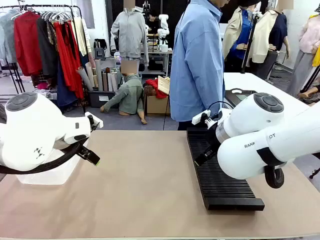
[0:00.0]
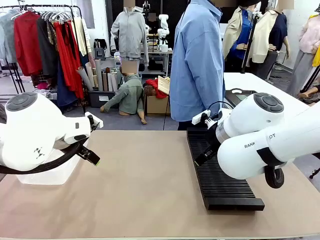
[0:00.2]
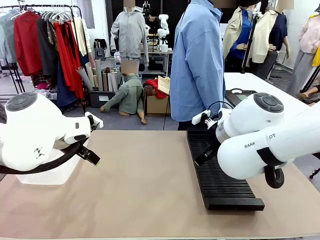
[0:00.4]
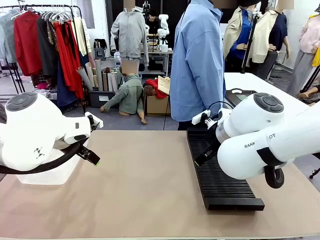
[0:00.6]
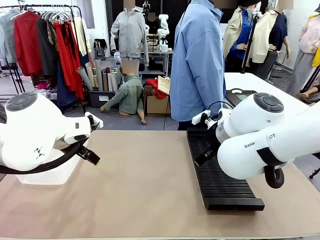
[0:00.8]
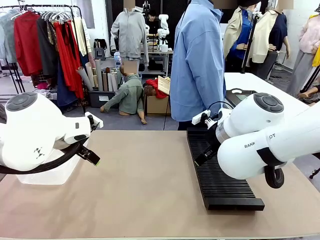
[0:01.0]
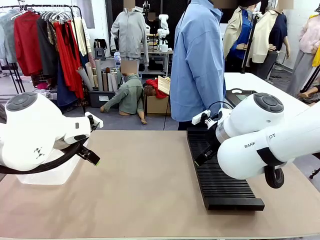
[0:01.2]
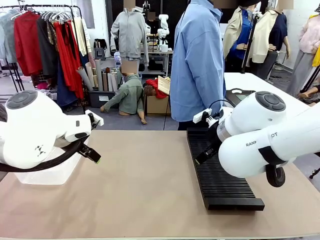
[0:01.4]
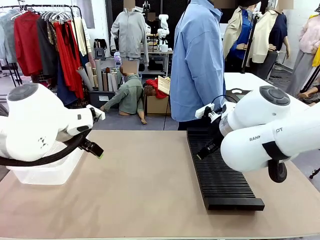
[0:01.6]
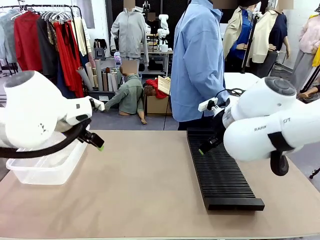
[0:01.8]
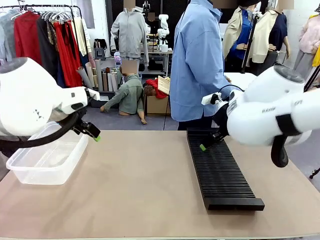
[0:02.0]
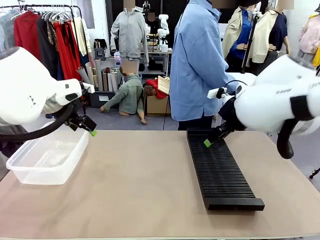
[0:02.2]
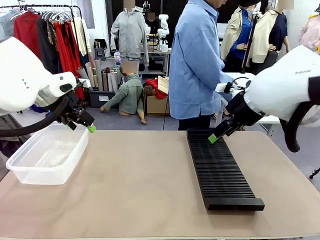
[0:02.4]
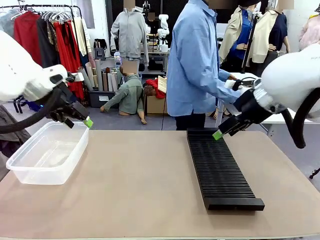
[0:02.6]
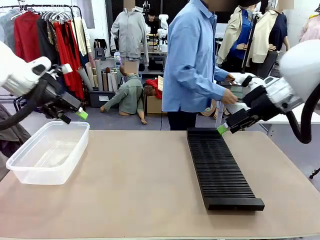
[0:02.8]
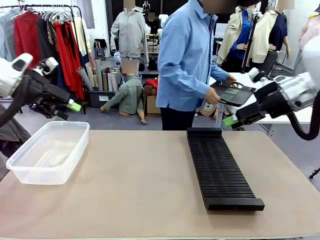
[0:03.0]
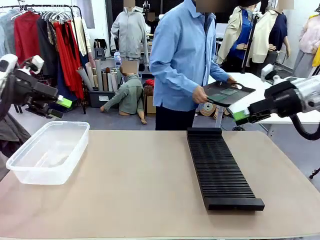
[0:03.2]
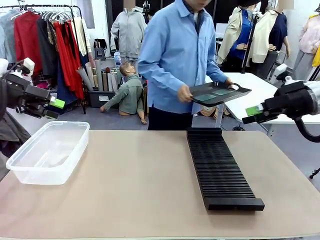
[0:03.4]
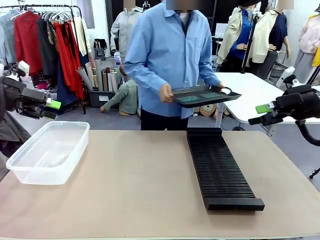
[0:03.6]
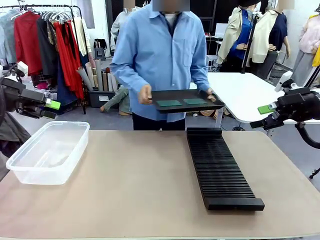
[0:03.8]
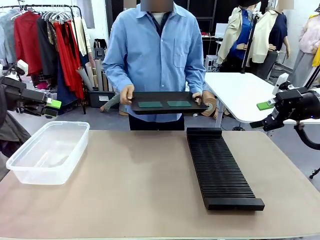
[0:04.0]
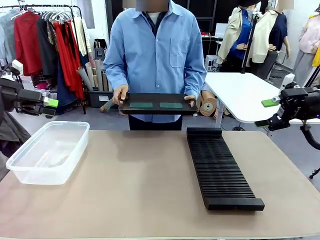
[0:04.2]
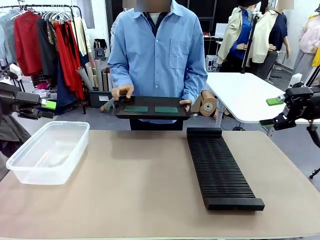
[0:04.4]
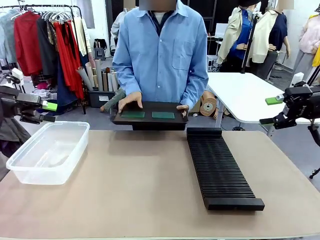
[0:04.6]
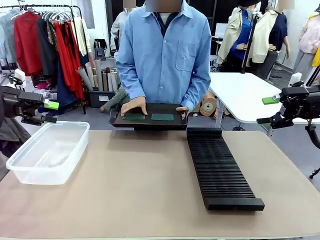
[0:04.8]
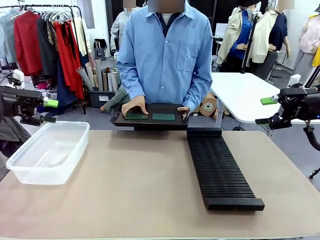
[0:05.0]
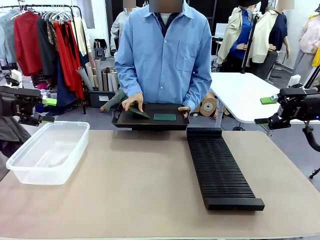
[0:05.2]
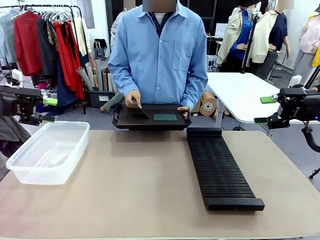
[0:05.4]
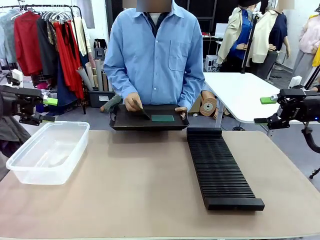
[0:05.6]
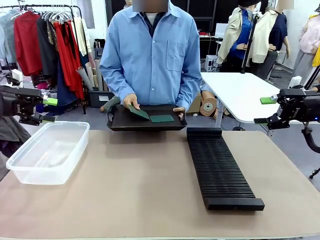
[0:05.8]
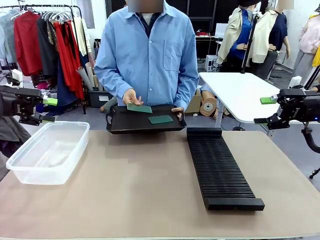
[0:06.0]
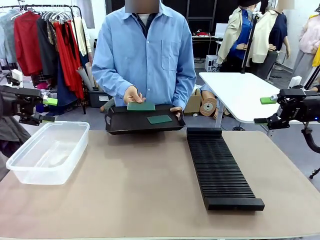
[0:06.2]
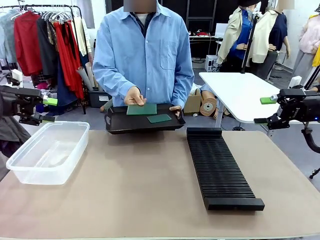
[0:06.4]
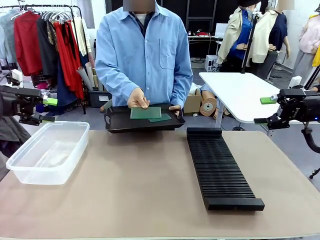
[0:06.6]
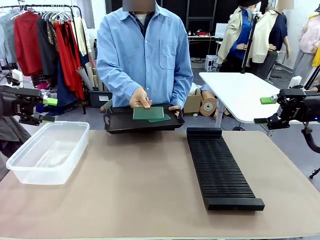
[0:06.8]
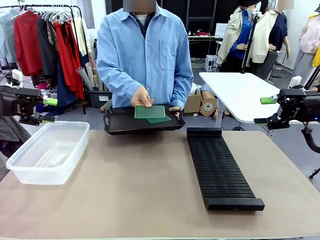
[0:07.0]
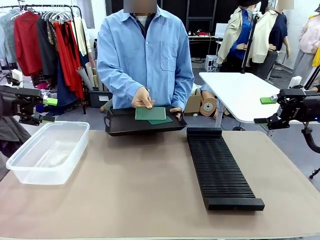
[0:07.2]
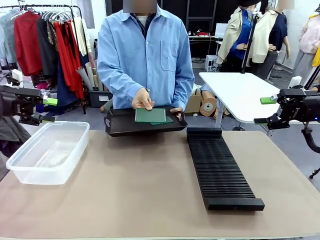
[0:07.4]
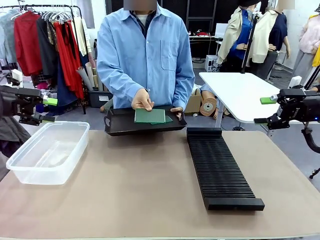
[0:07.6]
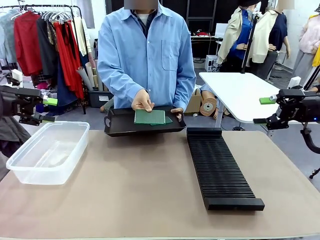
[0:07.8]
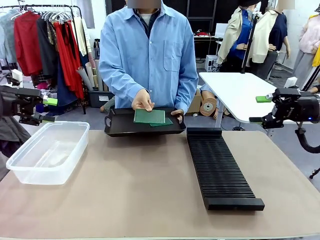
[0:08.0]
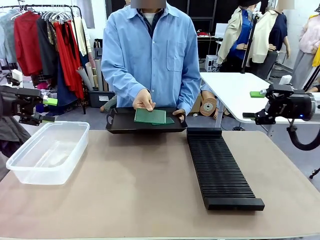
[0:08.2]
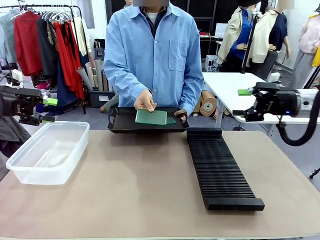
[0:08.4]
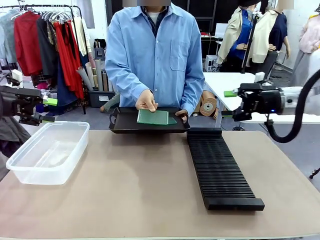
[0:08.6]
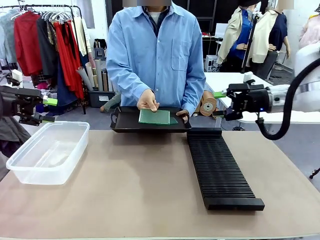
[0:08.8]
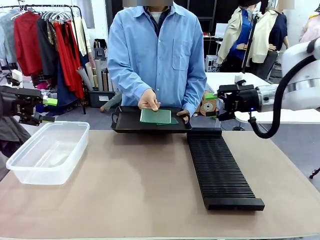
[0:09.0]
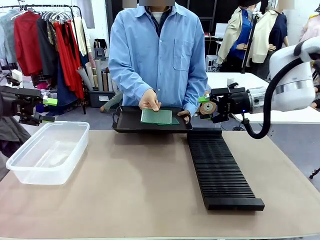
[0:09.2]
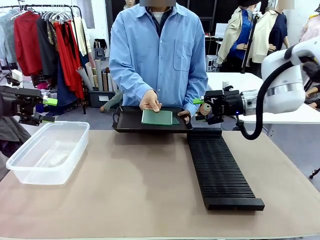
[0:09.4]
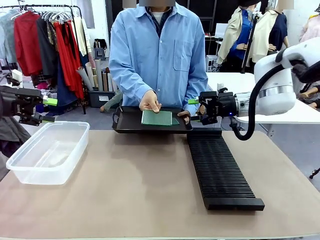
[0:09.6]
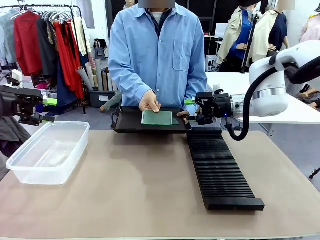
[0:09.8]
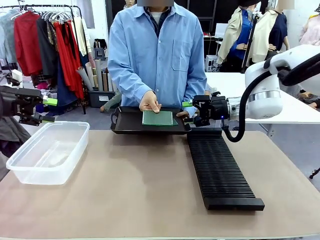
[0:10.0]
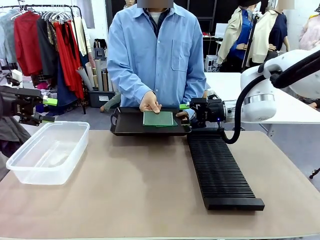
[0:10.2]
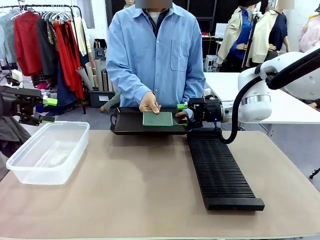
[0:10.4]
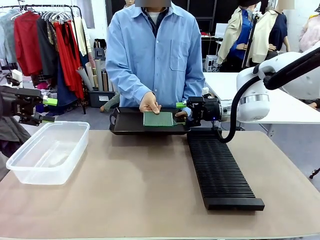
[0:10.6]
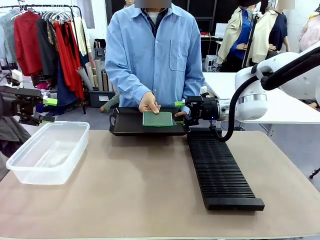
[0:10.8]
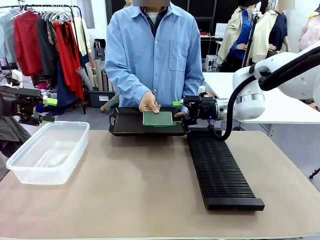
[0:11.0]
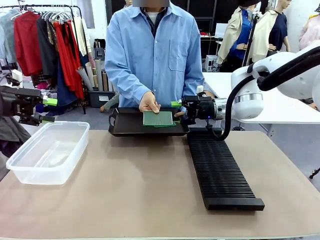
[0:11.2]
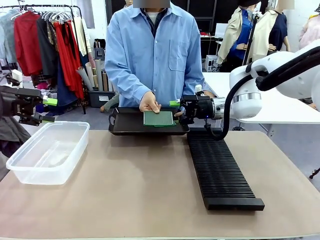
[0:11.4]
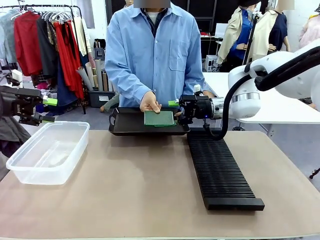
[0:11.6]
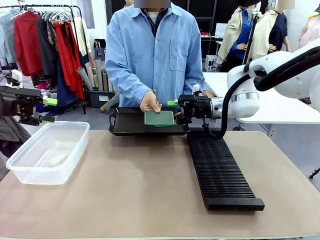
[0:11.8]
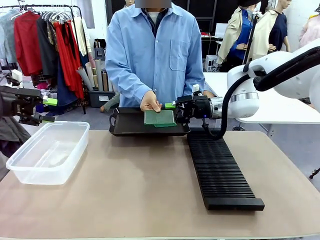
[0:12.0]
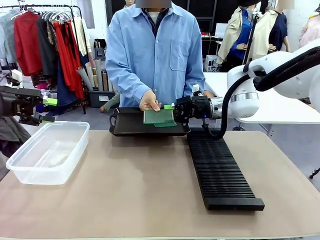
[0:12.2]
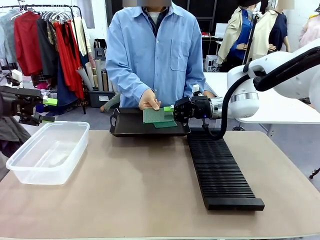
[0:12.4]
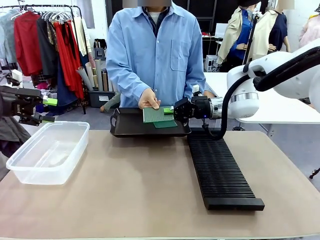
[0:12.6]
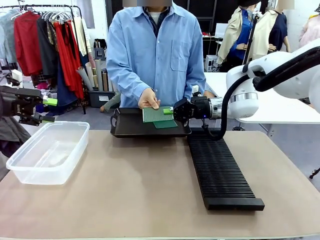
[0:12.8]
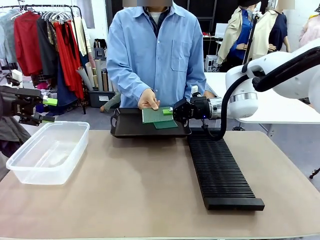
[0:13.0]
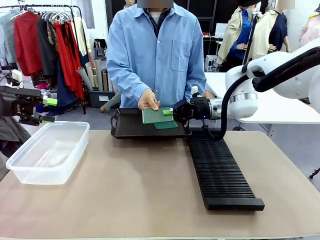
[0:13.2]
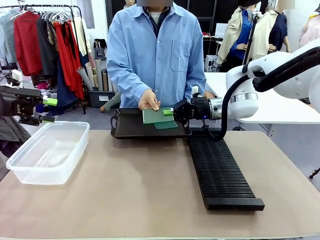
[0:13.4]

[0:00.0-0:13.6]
Task: Sort PCBs into racks and boxes based on the side picked up.
Robot: Pick up the Blank PCB handed by the Human.
Person: Pick one PCB from the tray and present it to the robot. Release the PCB being held.
